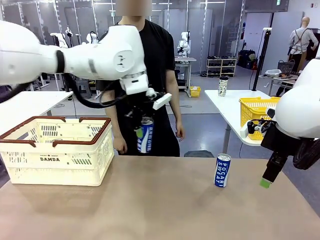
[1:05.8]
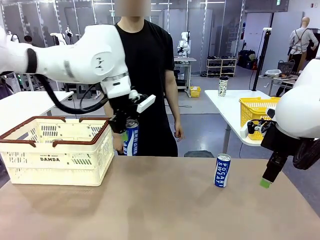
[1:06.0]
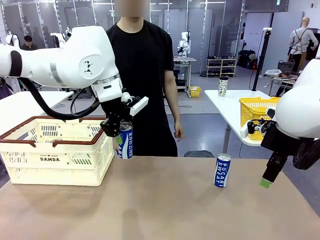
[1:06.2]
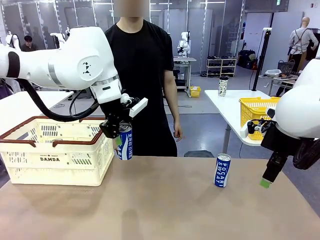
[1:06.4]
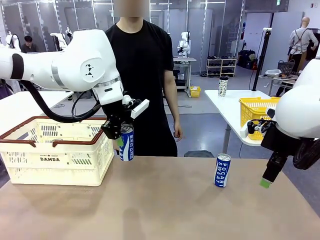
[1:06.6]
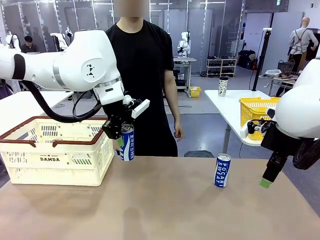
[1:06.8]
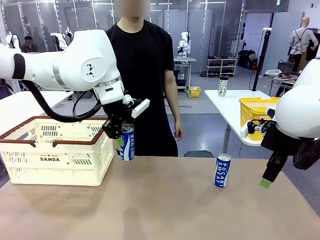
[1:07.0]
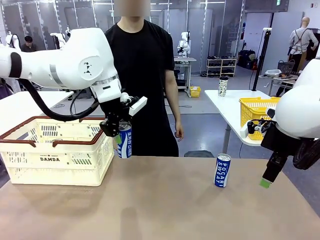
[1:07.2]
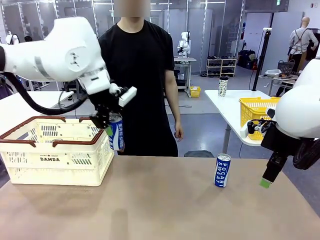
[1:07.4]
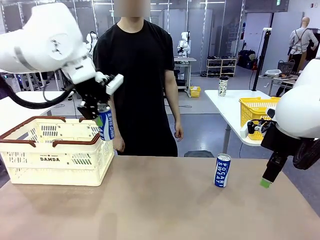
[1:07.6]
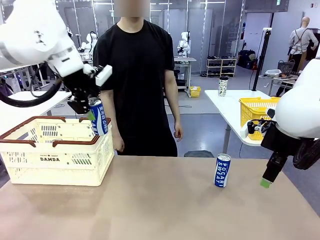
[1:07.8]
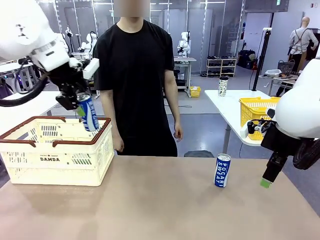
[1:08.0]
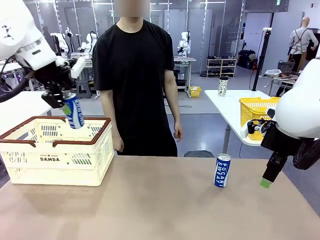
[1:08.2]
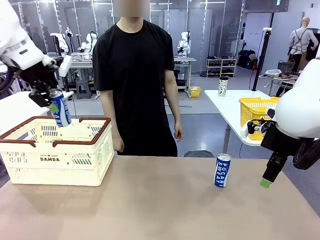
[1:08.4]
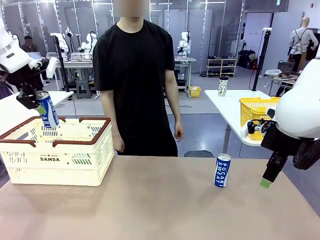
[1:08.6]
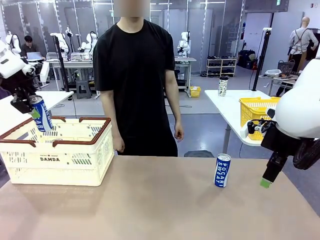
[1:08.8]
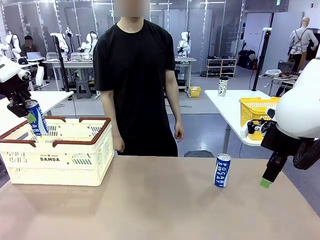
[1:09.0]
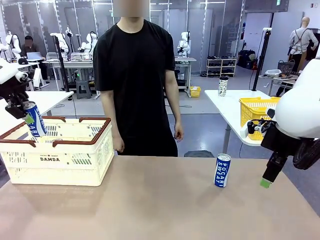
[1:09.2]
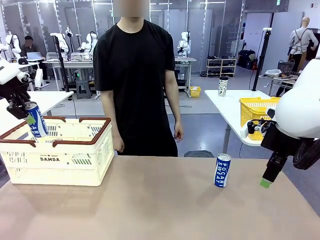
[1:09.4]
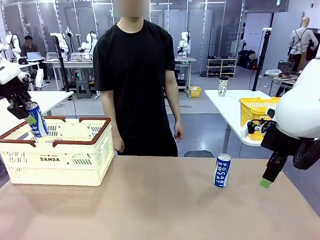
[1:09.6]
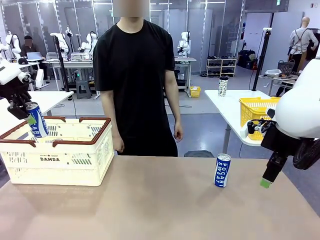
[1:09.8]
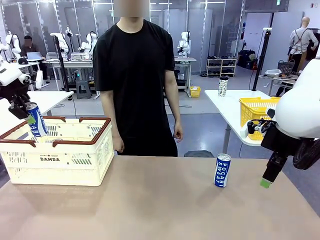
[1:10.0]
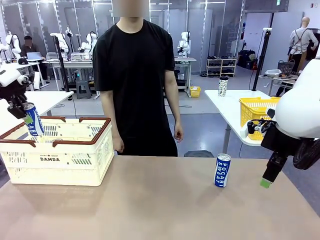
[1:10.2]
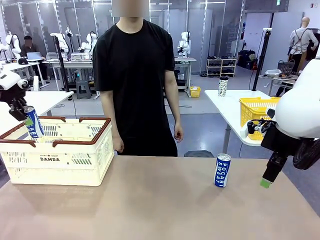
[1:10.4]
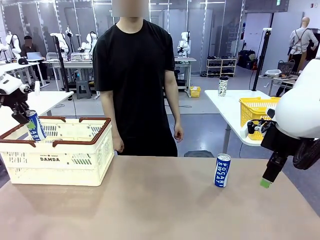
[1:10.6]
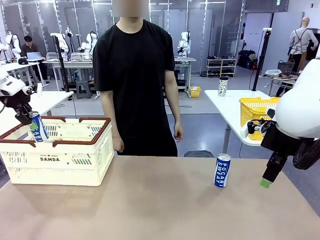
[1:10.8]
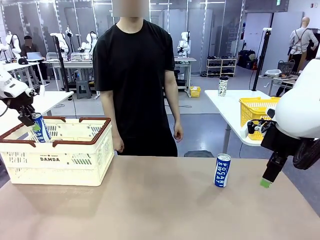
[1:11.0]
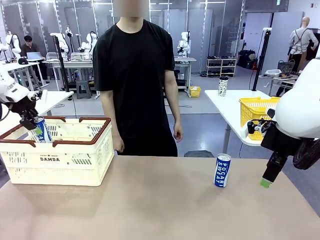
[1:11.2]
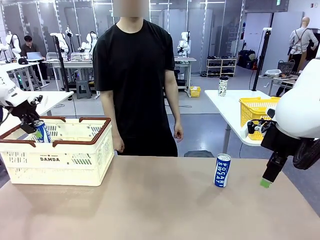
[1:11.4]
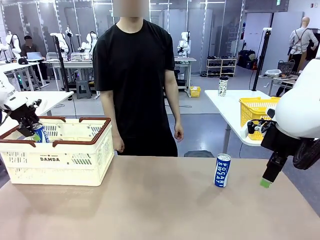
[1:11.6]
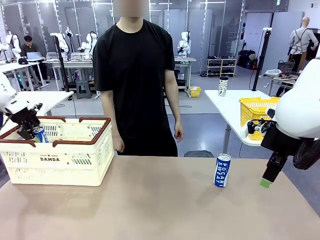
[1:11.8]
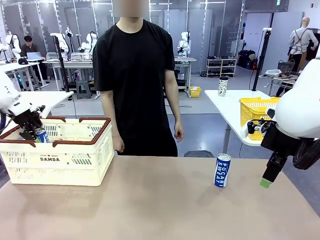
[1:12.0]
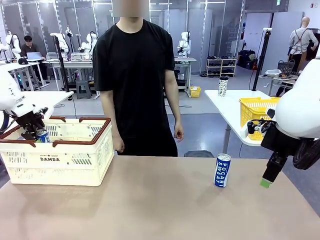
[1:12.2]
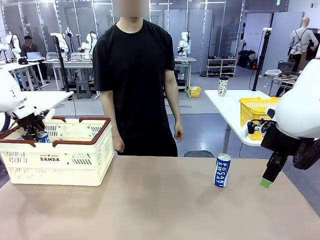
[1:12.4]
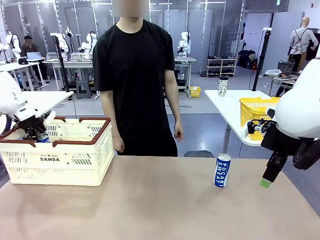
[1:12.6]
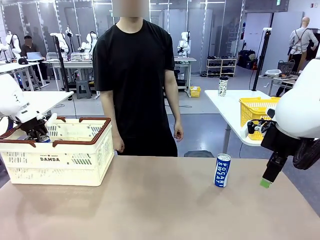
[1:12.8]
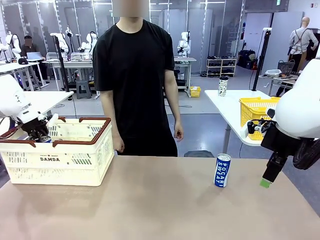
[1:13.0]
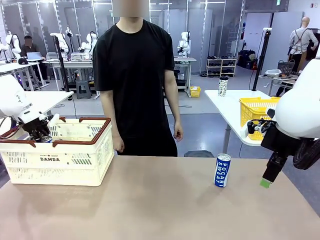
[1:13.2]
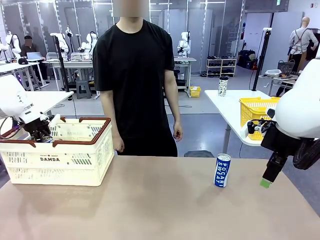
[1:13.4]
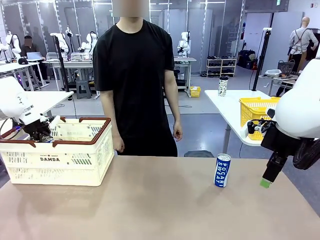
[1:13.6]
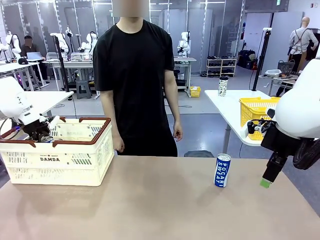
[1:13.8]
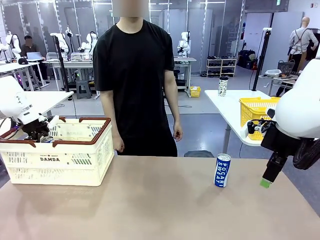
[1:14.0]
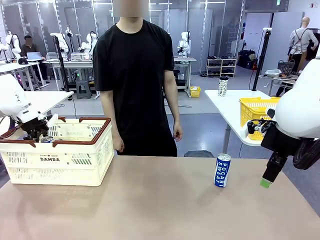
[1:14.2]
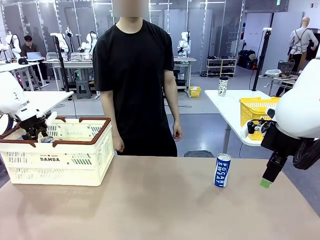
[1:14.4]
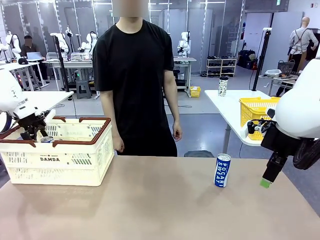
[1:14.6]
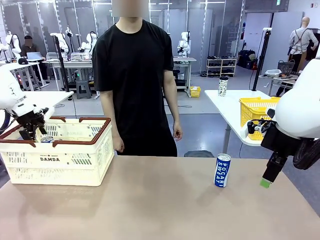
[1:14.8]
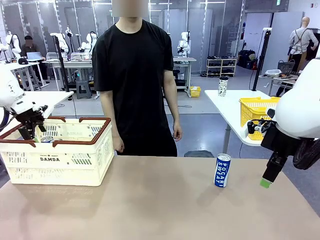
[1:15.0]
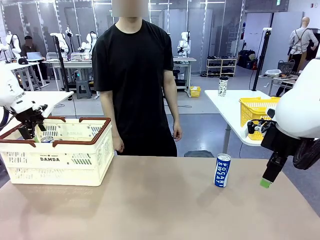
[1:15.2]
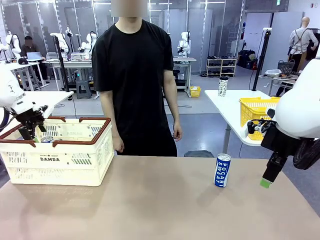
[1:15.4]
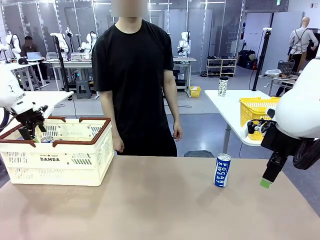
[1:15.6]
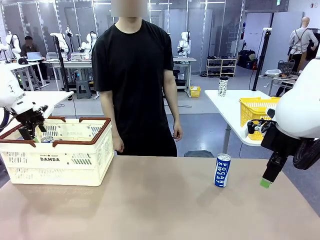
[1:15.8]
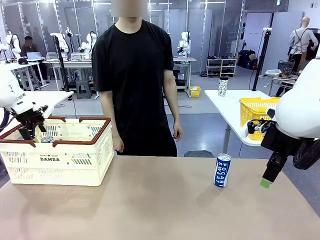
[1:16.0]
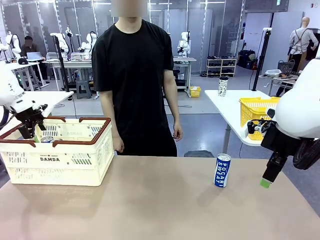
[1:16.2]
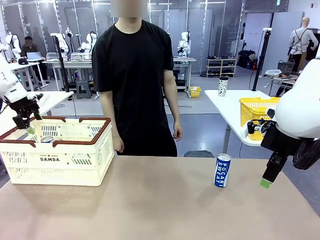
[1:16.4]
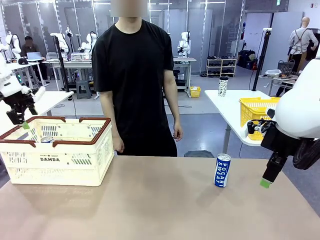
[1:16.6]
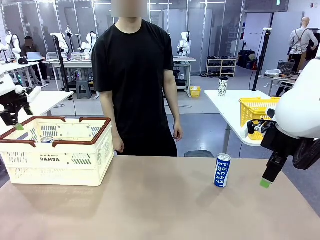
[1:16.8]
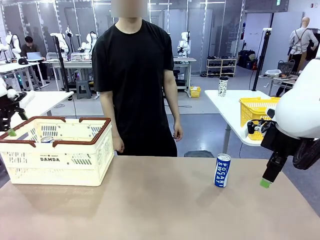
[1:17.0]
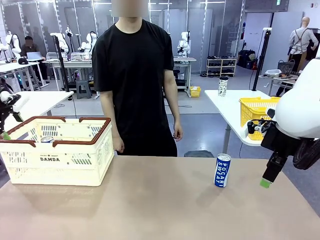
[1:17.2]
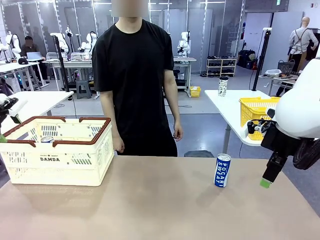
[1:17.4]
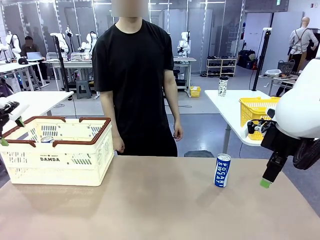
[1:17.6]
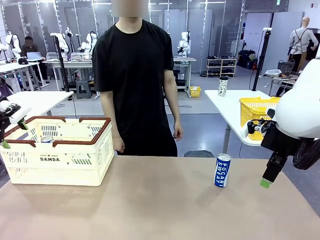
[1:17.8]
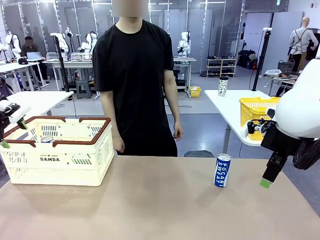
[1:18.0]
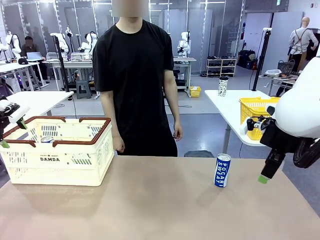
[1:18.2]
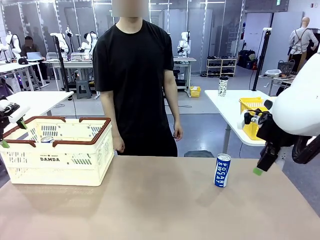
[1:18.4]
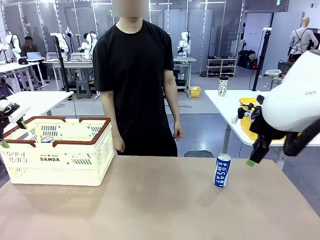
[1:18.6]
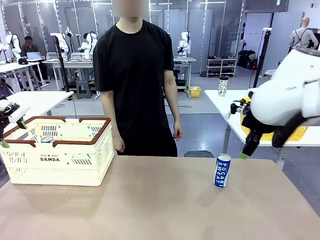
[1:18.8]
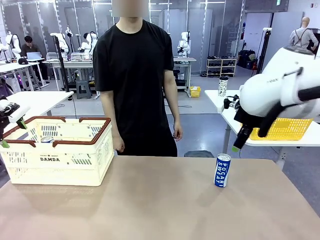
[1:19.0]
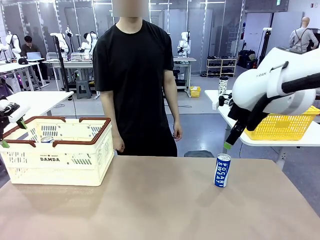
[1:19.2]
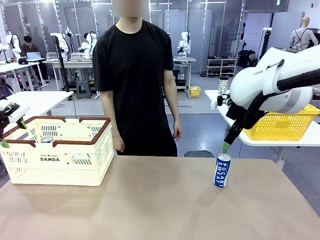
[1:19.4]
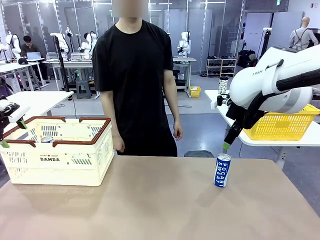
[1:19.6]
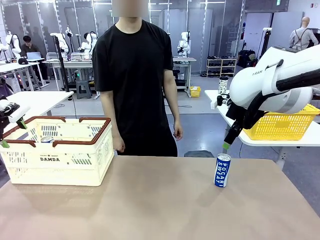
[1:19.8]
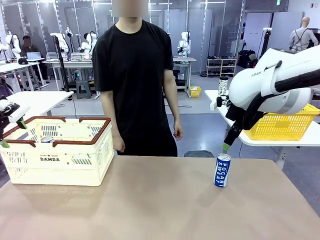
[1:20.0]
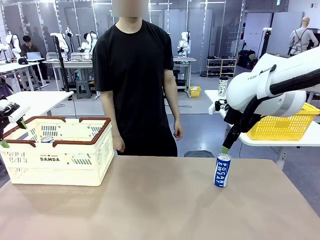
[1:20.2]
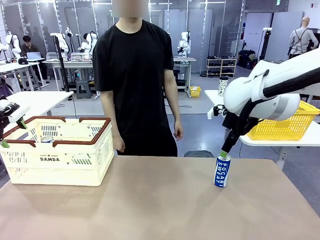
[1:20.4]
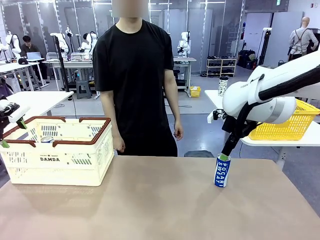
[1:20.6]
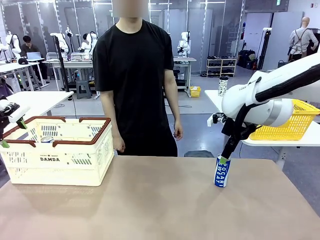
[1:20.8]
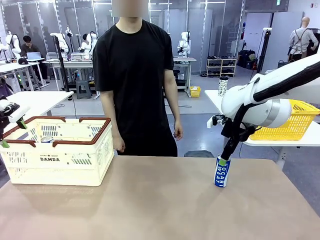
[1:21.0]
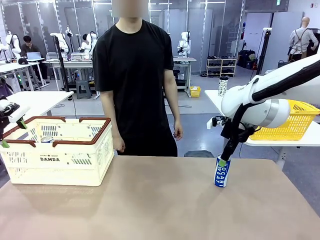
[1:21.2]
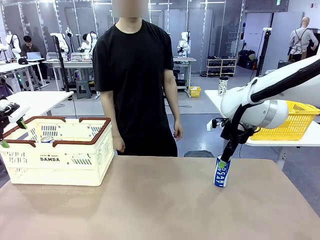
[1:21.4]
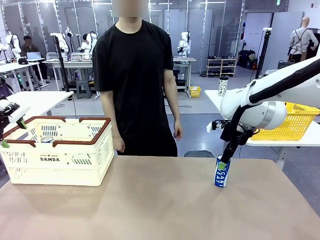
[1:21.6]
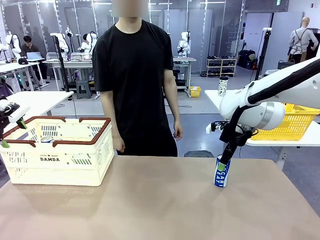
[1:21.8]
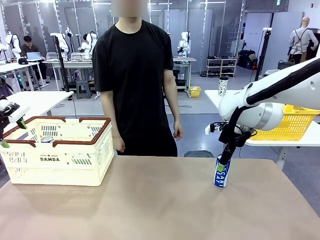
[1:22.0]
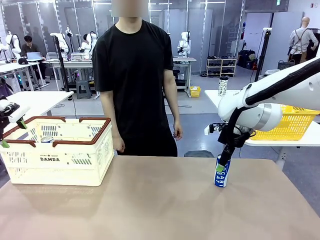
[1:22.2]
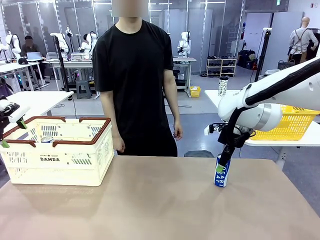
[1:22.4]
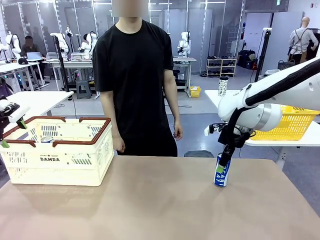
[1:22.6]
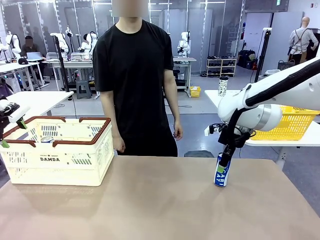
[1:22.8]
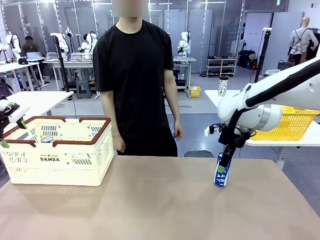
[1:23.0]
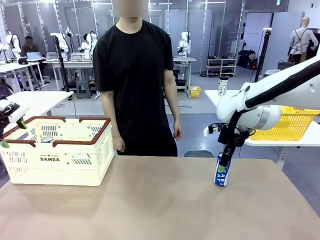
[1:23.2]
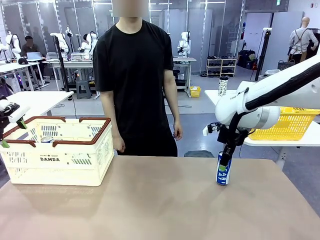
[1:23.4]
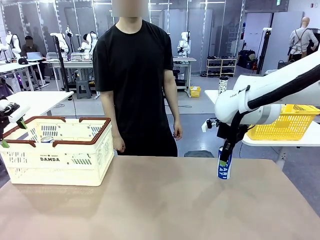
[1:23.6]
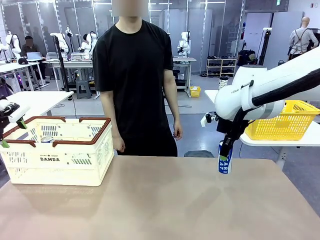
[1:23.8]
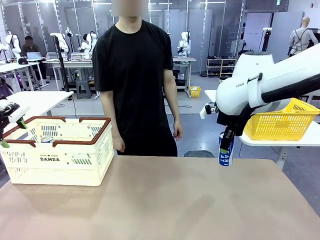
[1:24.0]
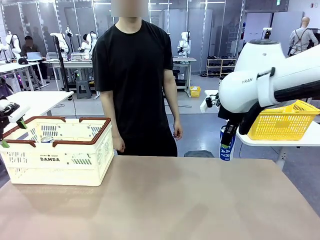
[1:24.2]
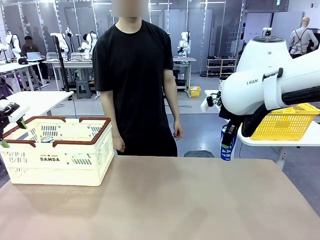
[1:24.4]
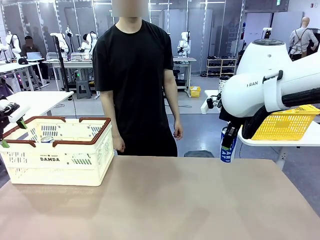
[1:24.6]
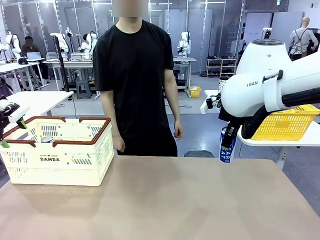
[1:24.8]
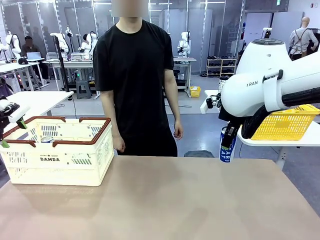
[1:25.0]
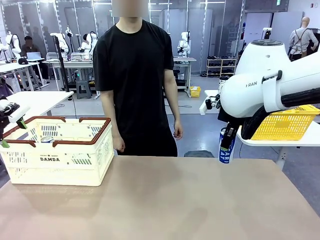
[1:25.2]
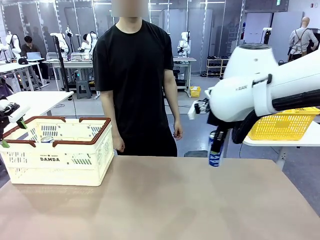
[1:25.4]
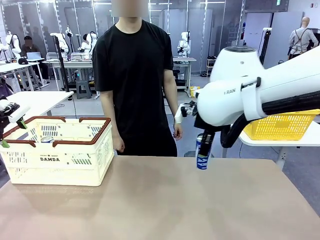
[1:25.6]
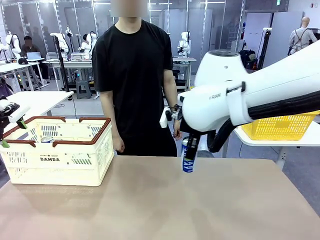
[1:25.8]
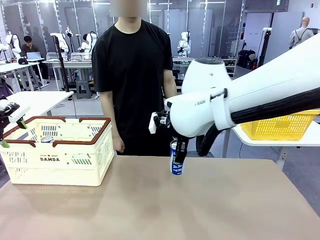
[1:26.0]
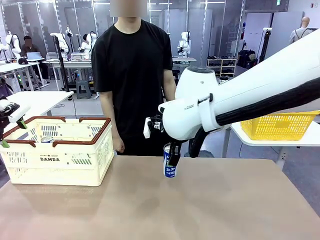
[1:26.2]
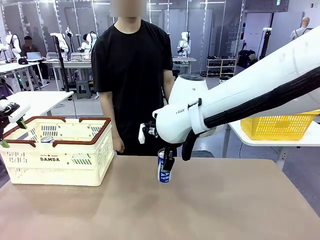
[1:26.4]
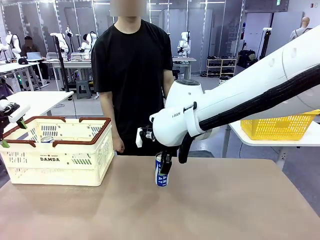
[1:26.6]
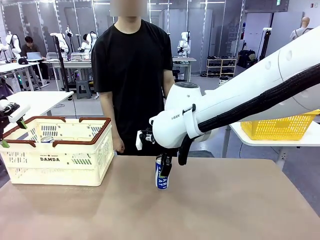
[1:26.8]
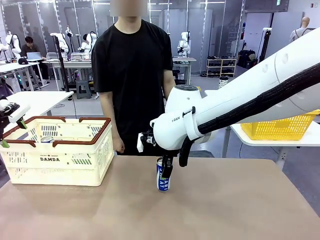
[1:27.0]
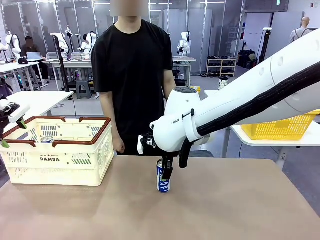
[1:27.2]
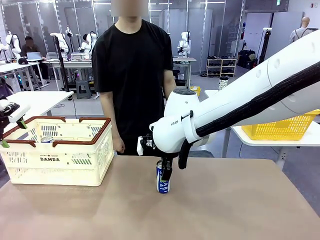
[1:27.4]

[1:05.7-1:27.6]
Task: Place the drinks into the Shopping basket.
Robot: Pick up one drink and place it into the Shopping basket.
